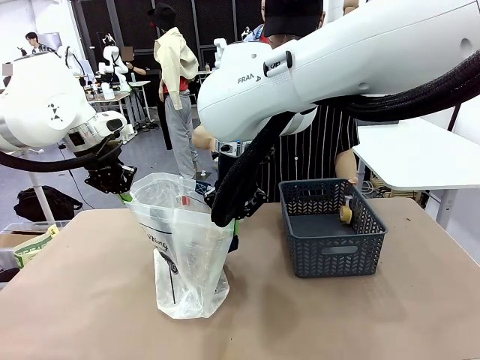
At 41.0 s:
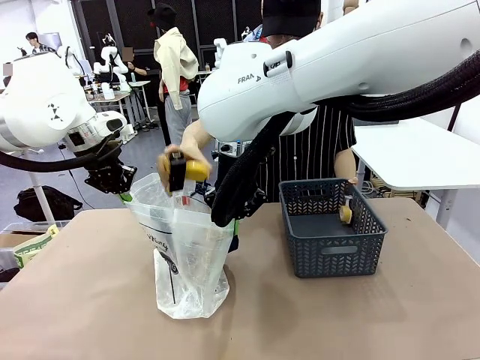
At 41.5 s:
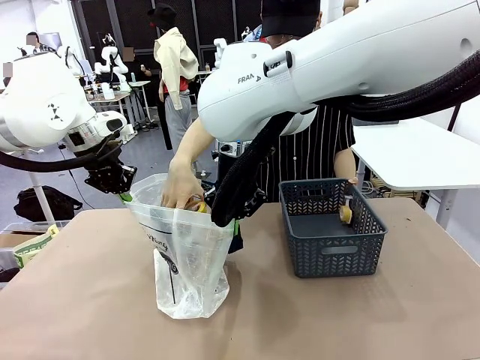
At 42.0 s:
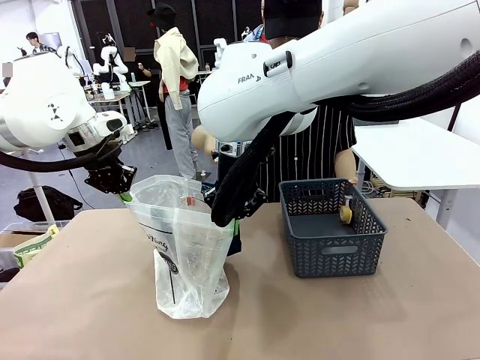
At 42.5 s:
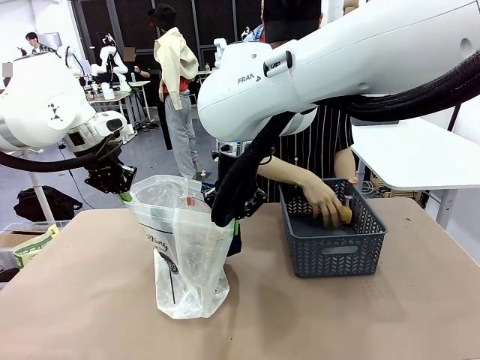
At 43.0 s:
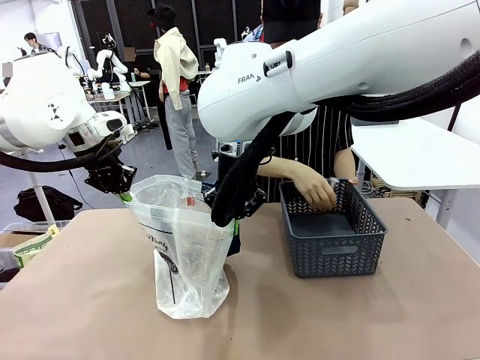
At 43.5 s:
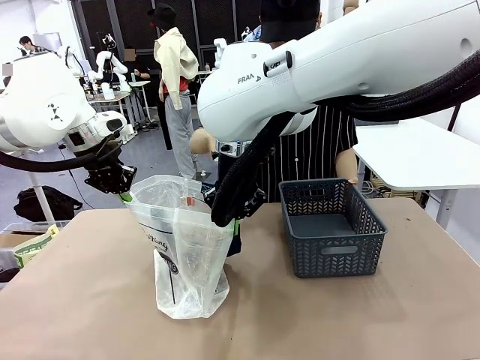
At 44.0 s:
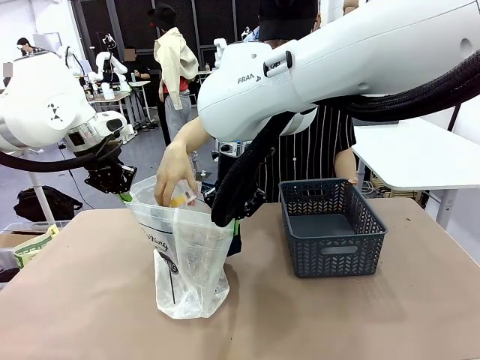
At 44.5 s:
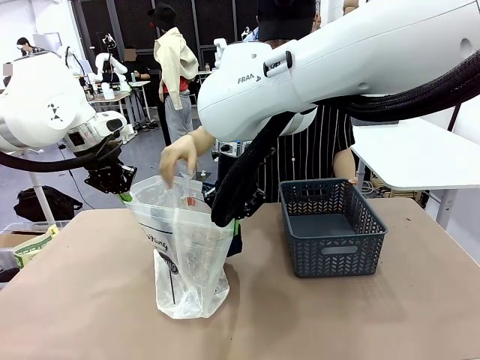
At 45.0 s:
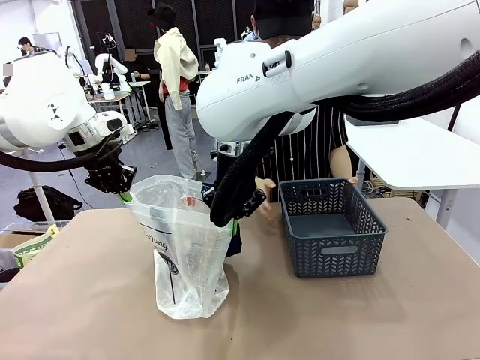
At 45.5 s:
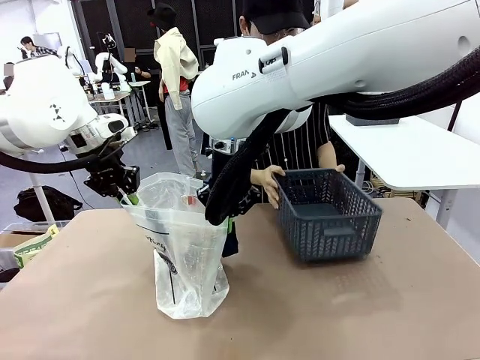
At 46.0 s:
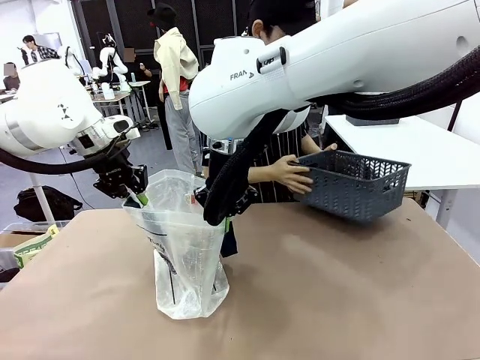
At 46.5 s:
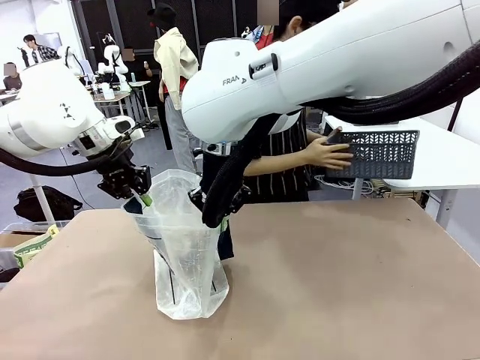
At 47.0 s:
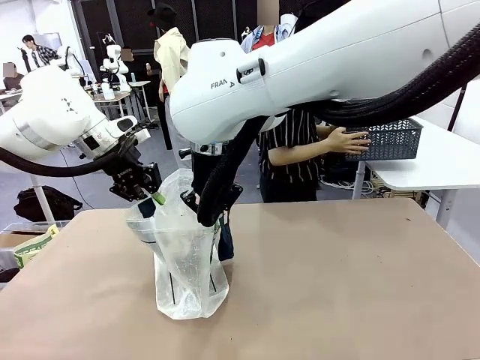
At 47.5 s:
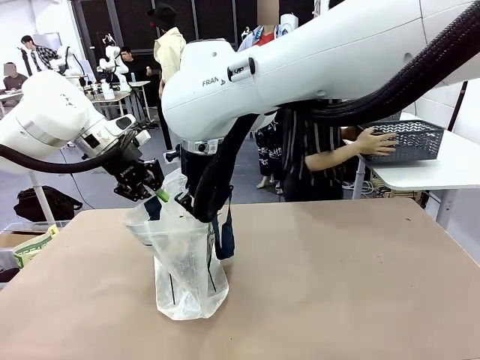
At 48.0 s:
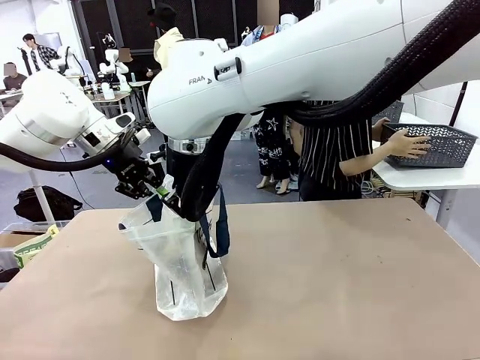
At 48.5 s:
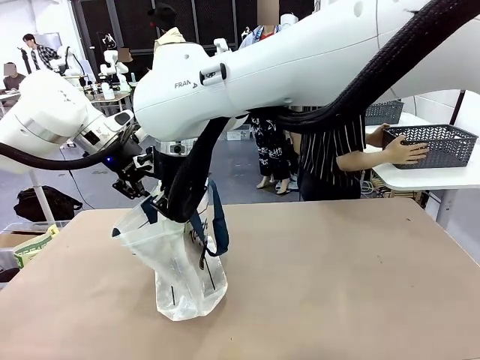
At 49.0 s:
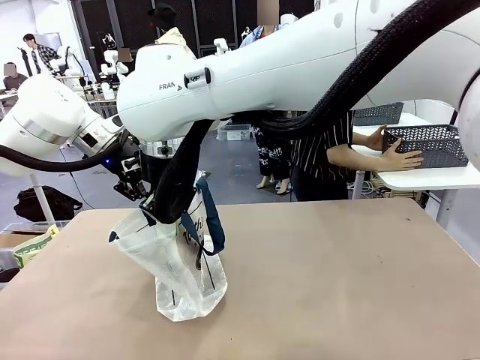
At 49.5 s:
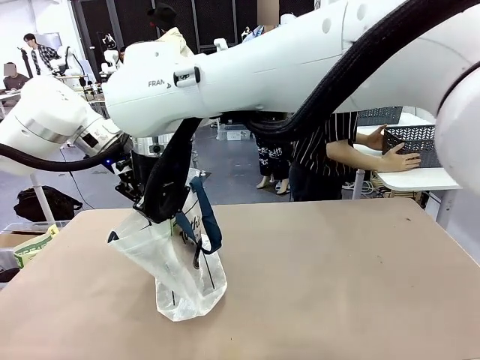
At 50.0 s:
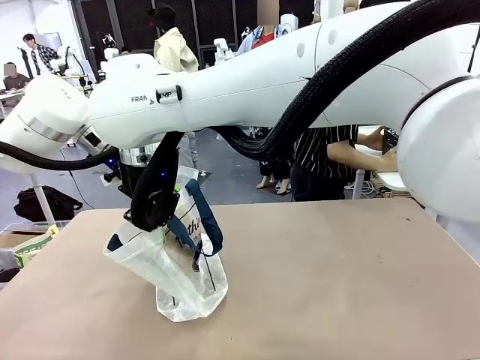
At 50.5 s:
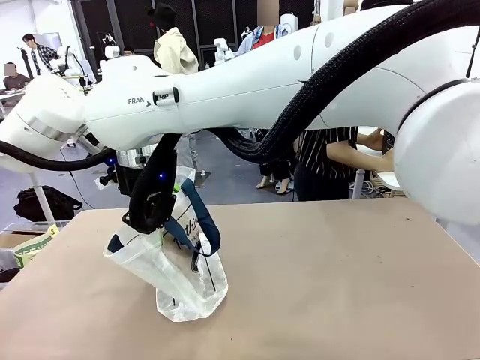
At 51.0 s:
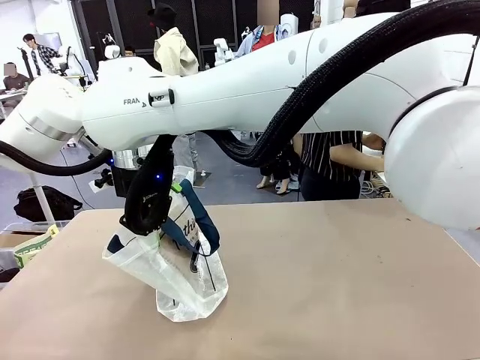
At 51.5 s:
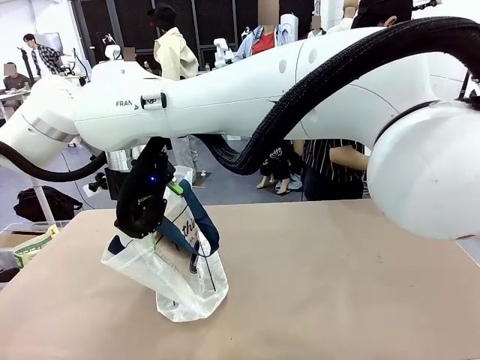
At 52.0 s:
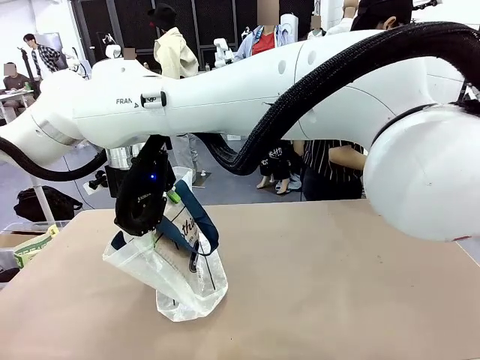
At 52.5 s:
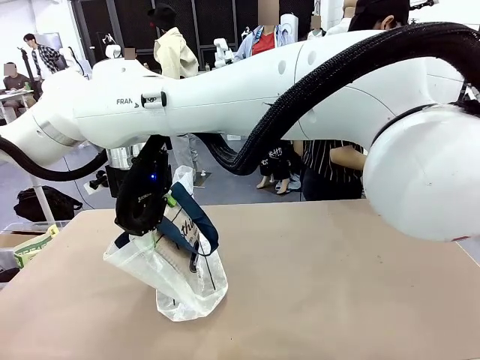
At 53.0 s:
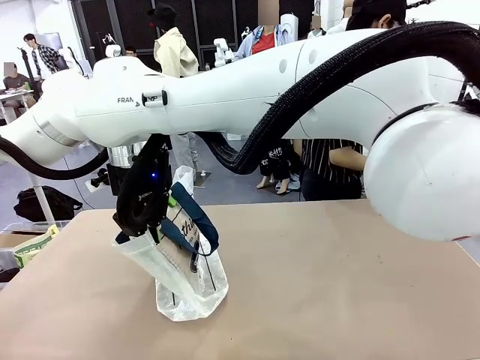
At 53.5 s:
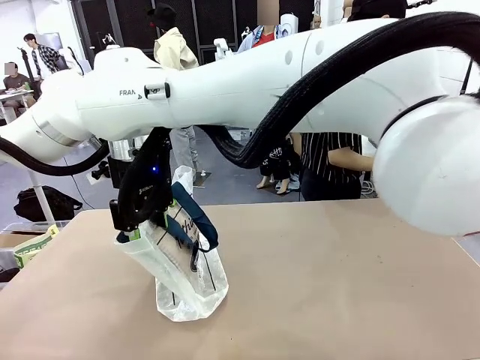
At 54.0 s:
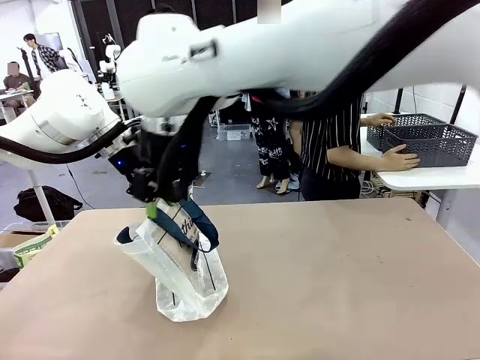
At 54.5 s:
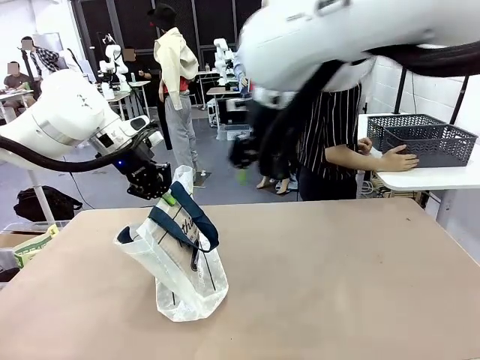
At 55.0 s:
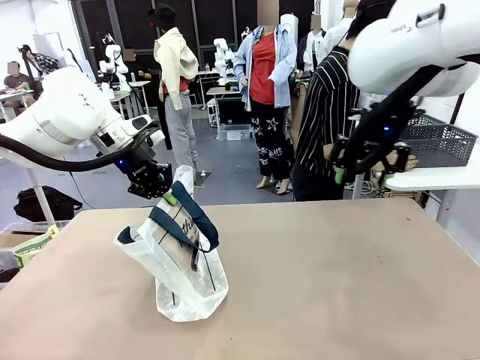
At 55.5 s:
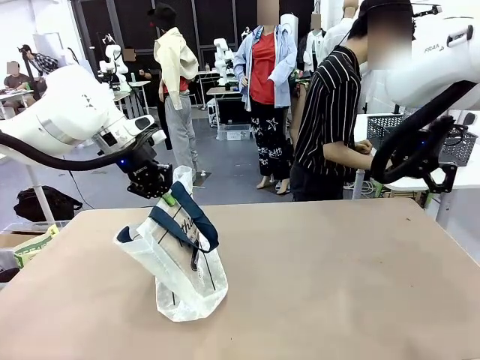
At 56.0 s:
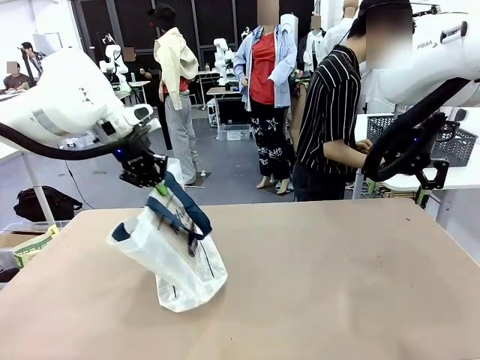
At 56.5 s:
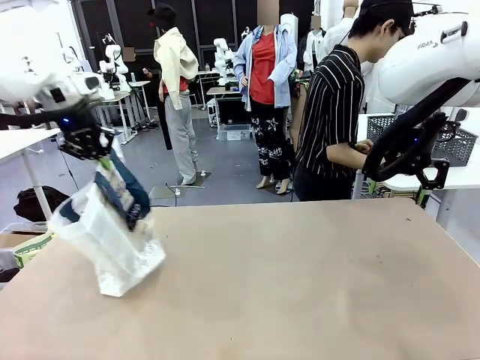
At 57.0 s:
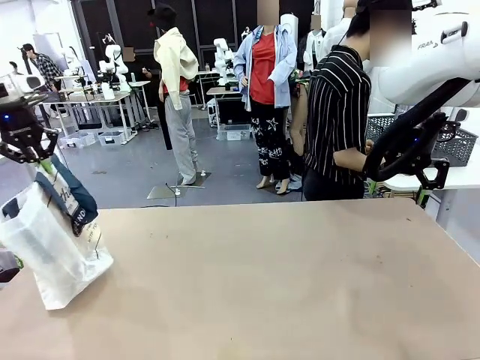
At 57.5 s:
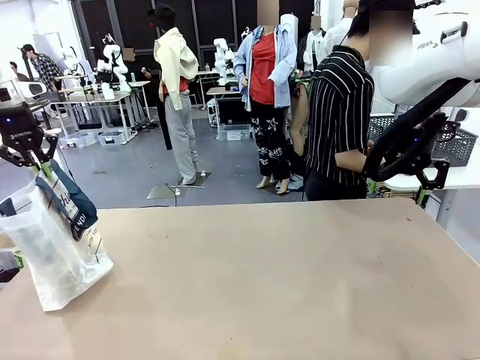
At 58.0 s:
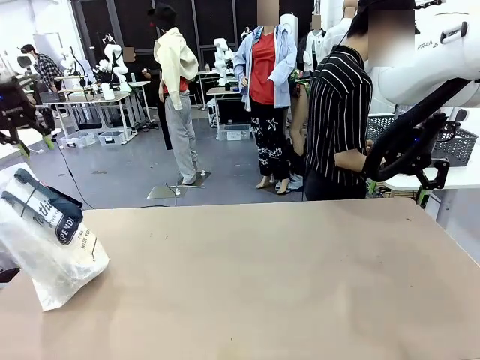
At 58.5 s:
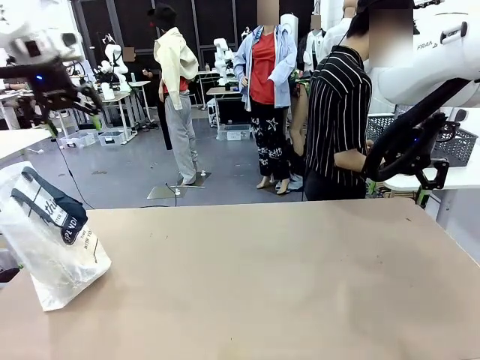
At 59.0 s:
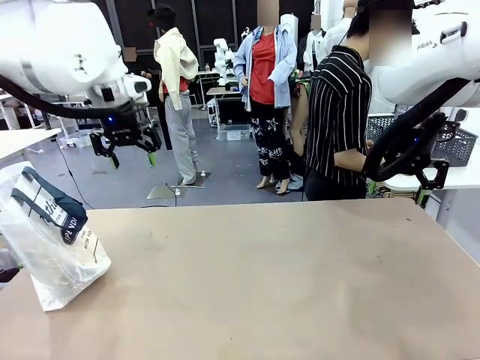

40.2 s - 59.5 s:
Task: Transfer purchased items from the store into the shopping bag.
Robot: Move the Reusable shopping bag to the right side of the table.
Person: Move the basket on the left to the middle of the person's table.
